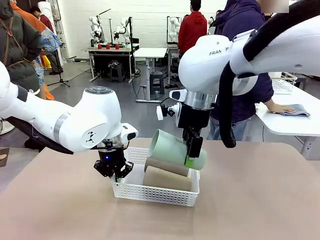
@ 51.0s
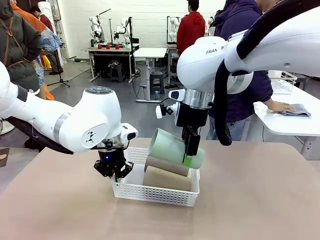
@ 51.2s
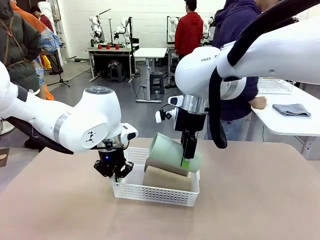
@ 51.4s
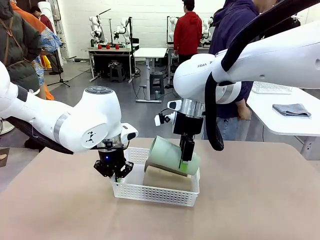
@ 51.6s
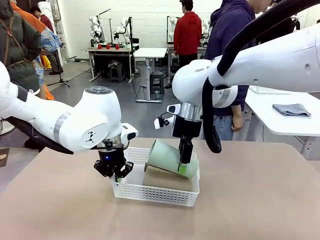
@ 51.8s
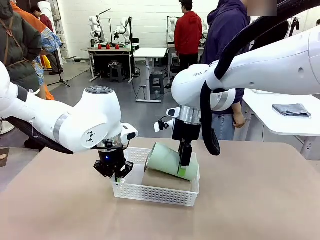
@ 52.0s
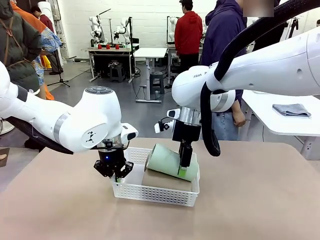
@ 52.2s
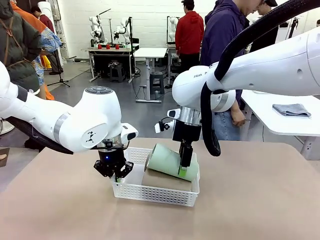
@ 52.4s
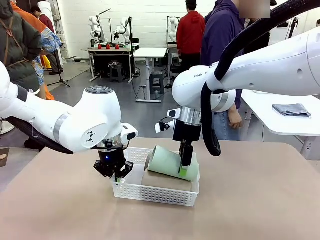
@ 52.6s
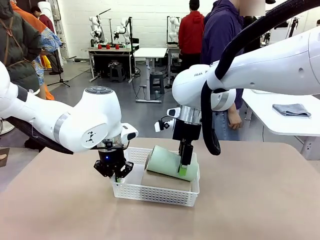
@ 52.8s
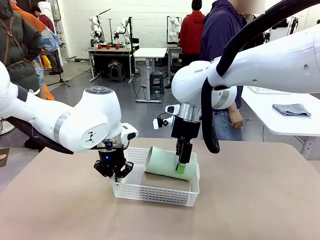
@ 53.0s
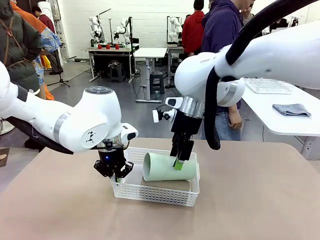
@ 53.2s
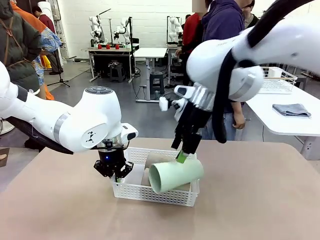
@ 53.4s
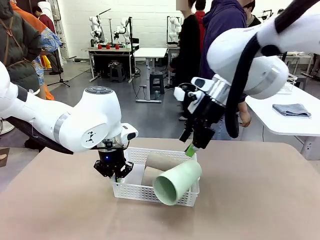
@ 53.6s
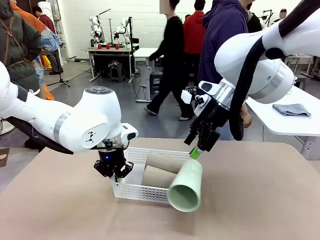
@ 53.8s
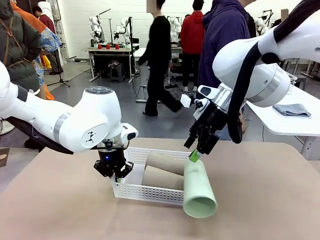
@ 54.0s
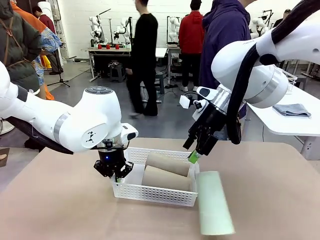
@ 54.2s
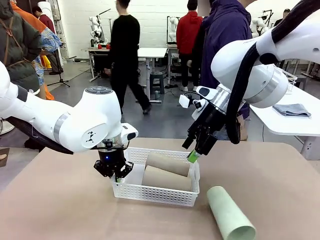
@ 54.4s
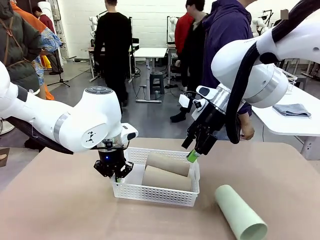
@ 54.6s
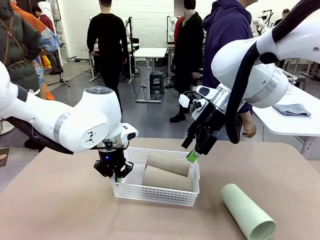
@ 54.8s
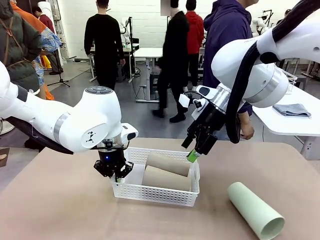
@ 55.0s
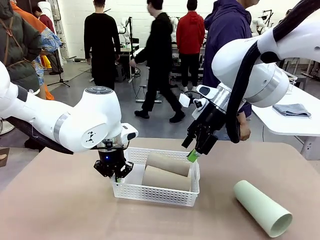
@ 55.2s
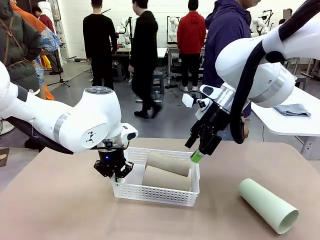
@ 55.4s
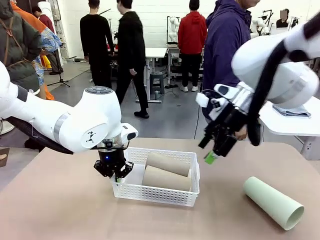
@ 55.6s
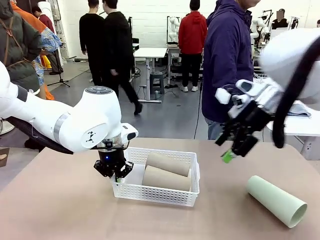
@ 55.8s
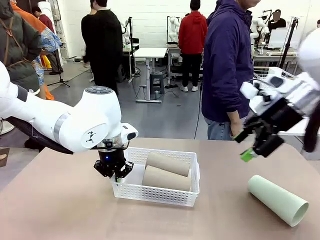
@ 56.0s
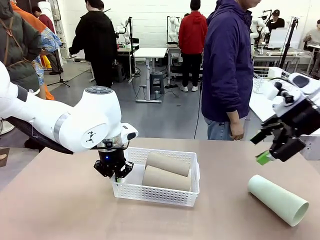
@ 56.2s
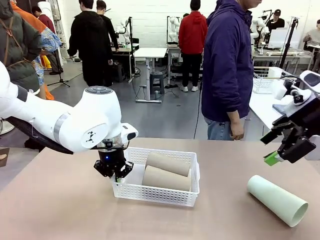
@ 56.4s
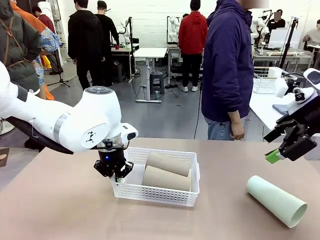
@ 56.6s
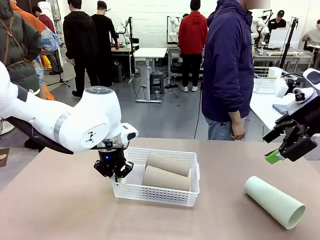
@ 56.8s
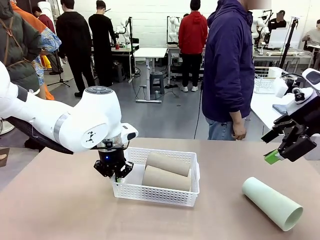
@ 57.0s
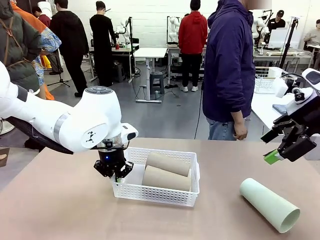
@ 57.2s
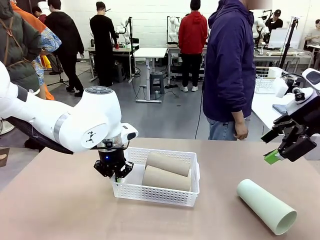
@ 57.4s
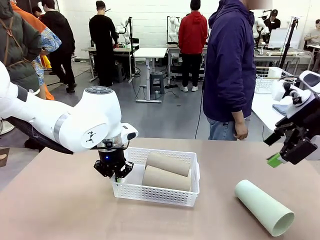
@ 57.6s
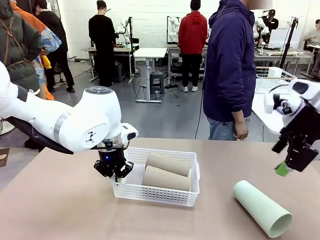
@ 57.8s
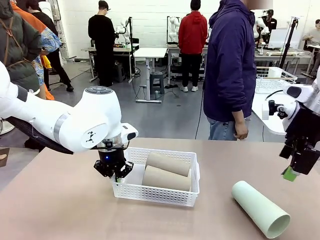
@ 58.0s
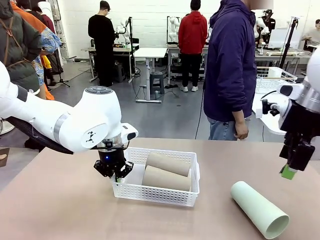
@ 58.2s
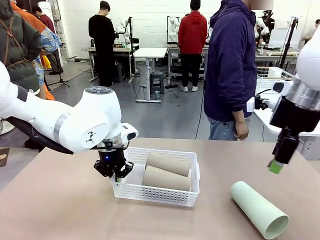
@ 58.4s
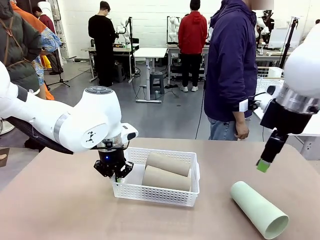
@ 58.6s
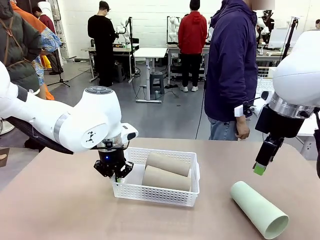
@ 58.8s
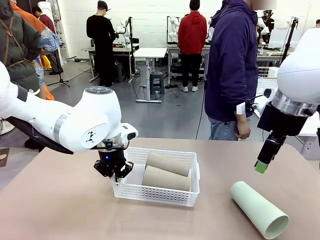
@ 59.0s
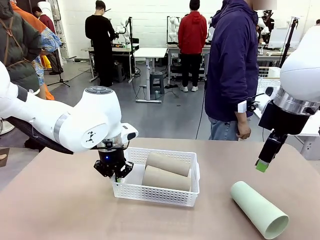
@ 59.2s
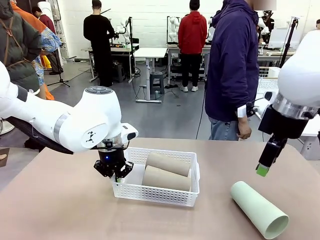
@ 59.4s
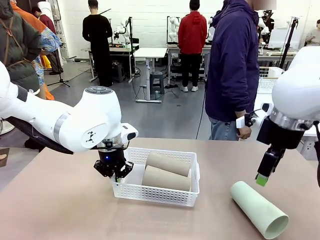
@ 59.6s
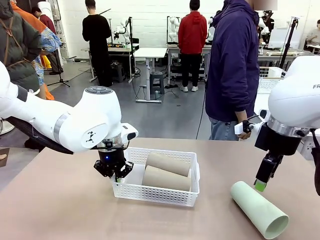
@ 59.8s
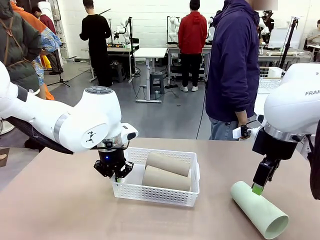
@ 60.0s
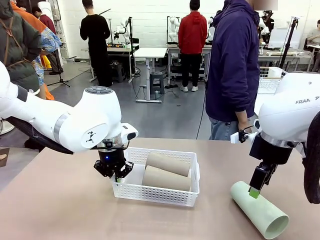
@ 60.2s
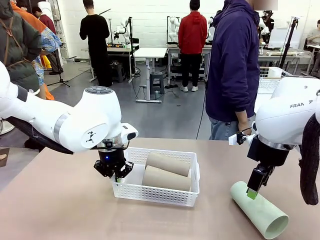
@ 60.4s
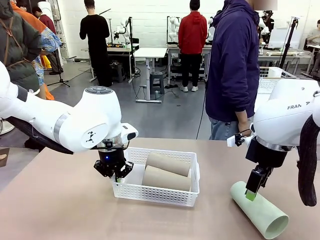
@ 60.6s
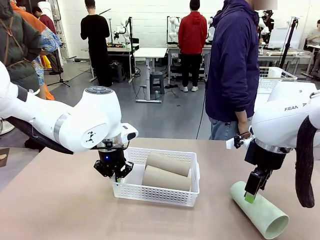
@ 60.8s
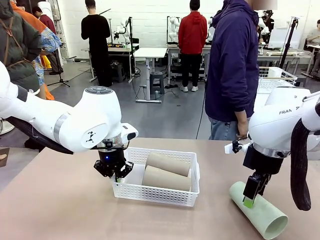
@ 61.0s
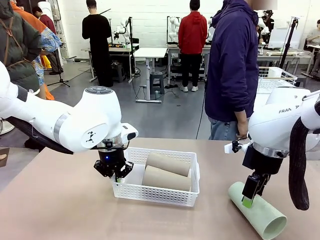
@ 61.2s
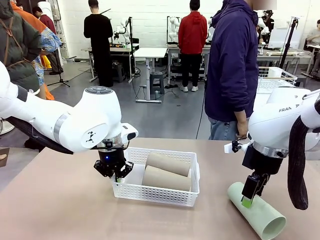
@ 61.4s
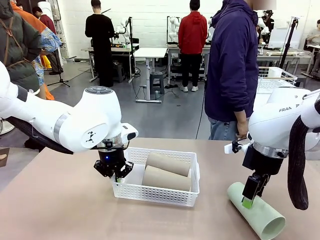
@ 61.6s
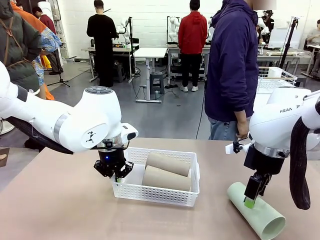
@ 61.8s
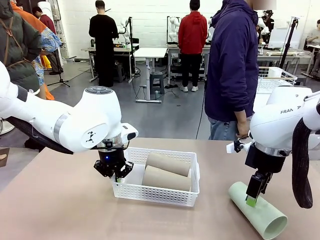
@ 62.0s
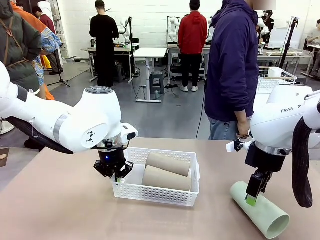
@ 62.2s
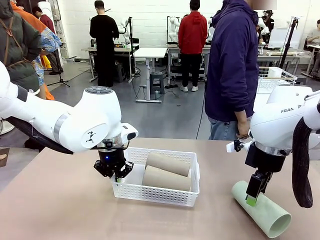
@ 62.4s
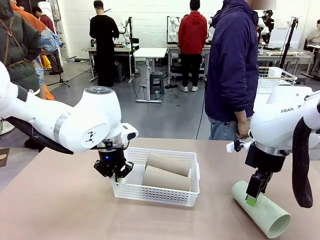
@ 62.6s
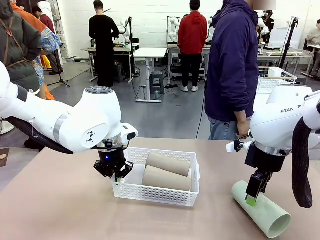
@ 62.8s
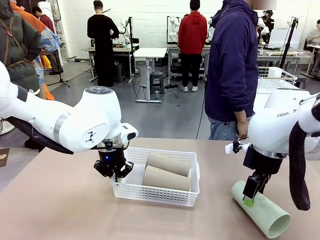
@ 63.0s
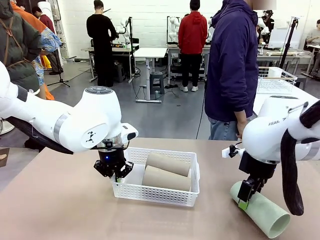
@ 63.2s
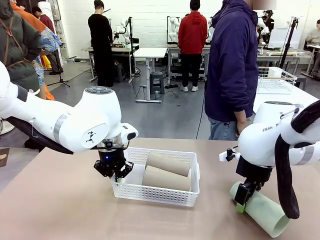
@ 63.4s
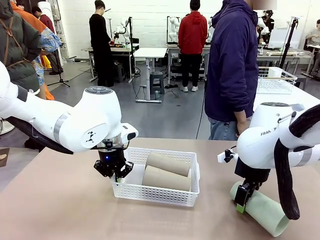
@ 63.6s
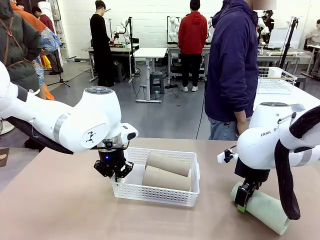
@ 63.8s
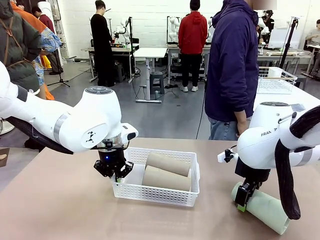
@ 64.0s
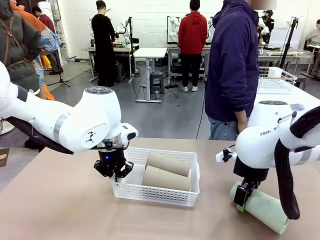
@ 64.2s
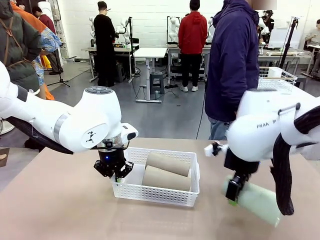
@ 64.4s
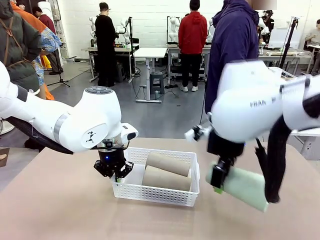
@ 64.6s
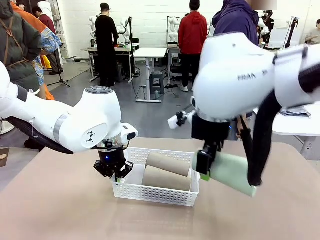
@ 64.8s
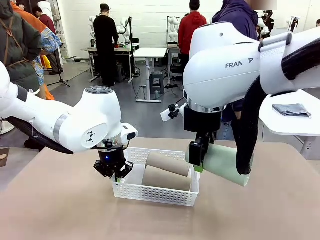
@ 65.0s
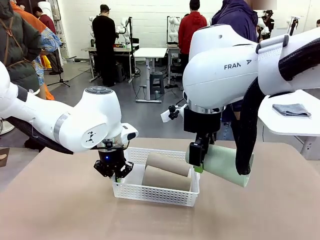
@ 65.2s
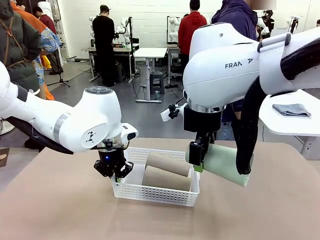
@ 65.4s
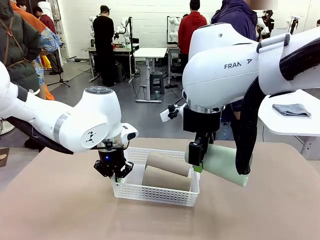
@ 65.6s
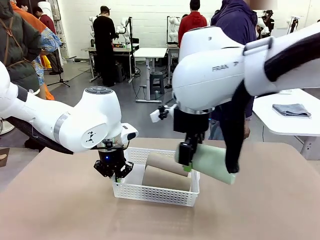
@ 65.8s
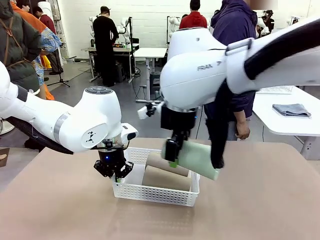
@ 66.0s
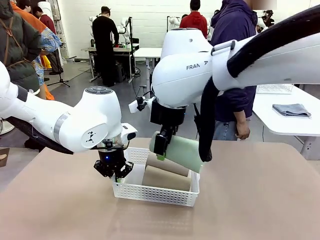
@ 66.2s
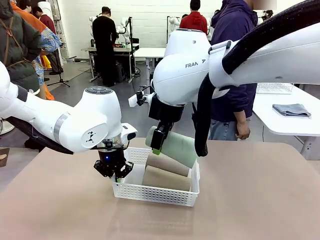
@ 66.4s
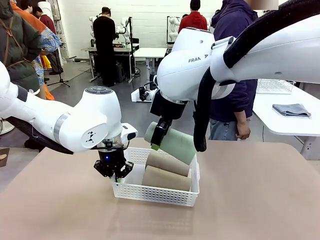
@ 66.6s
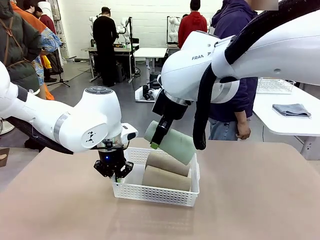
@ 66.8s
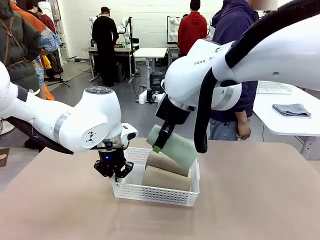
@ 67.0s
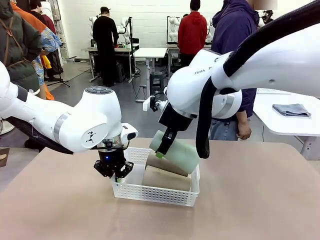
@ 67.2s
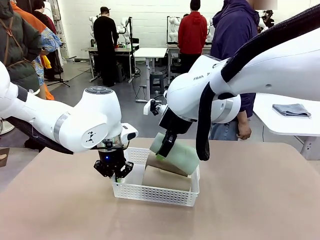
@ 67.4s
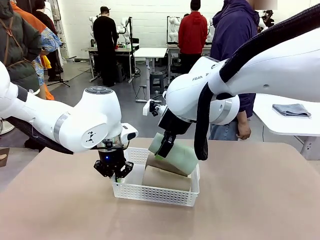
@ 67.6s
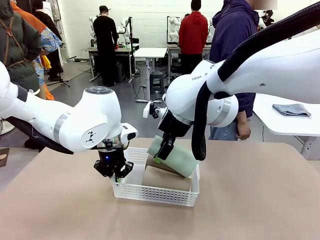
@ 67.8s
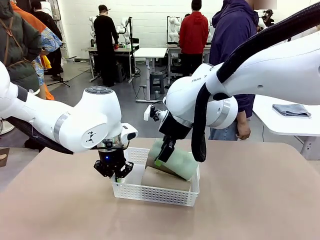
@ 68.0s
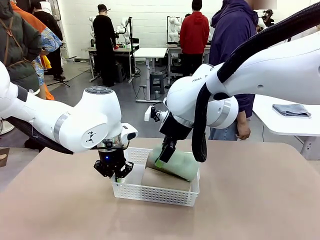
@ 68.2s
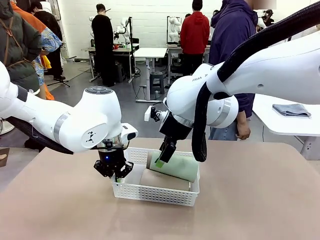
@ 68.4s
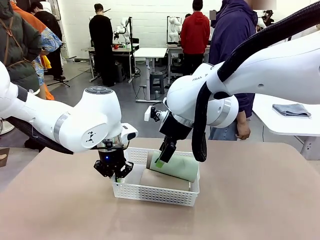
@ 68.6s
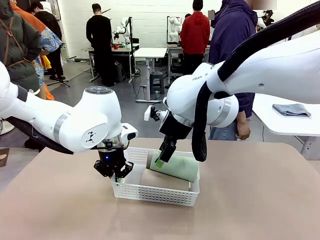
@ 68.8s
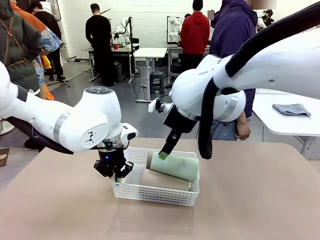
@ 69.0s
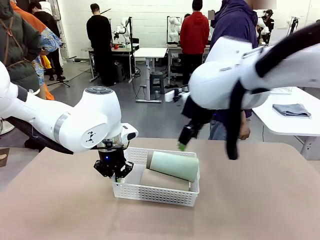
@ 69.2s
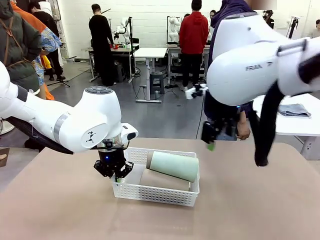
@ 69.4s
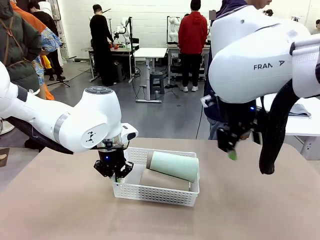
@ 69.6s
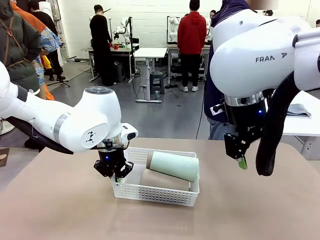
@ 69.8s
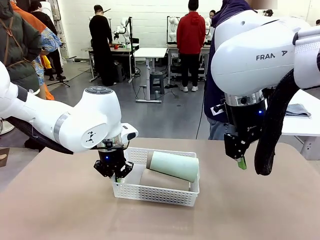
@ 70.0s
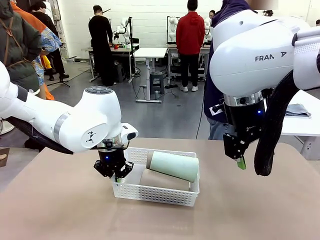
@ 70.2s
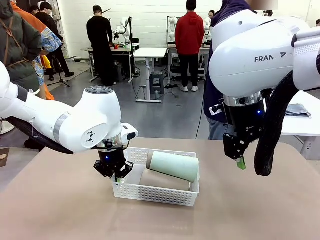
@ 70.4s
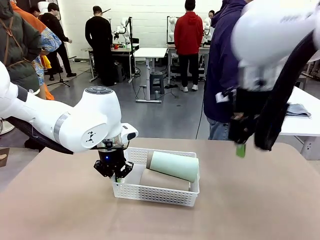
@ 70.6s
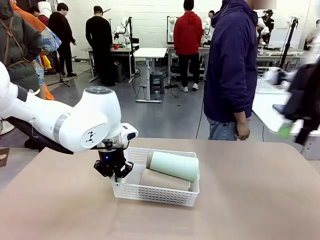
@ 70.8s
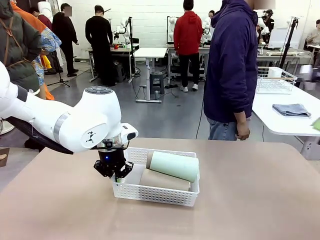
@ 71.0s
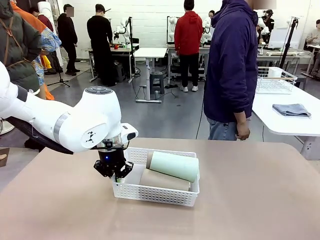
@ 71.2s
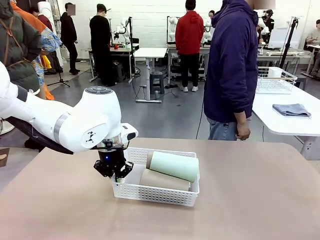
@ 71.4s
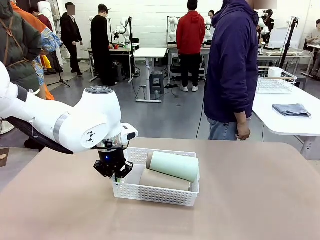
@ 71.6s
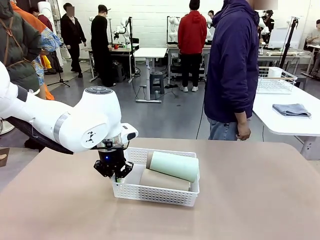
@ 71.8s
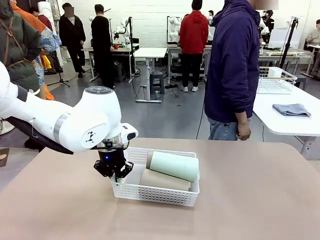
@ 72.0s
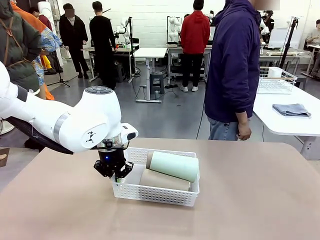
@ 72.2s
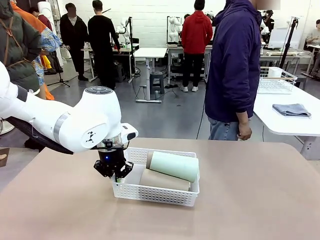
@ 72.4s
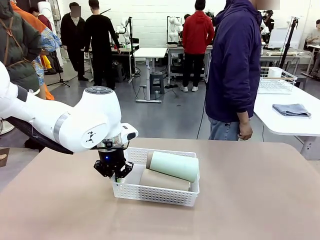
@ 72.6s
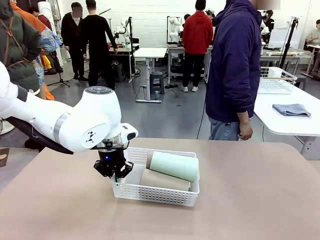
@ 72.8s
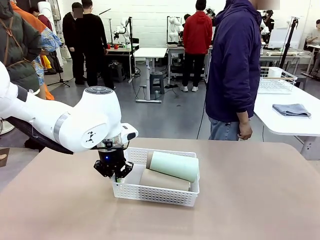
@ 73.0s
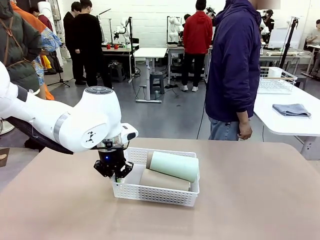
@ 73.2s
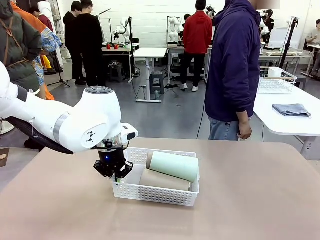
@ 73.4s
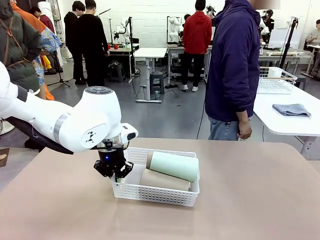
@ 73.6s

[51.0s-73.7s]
Task: Clean and organize the cups into the basket.
Robot: Pick up the Reusable plastic cup from the right side of the table and stack it inside the Organizing basket in the center of the table.
Person: Folds the towel in half twice and places it in the right of the table.
